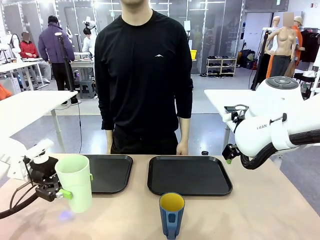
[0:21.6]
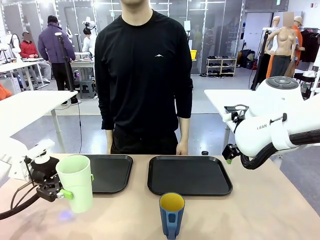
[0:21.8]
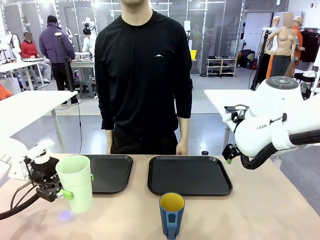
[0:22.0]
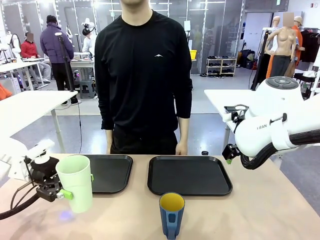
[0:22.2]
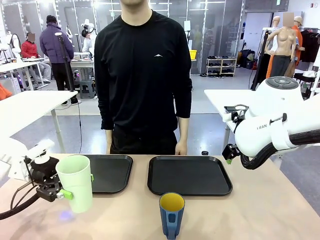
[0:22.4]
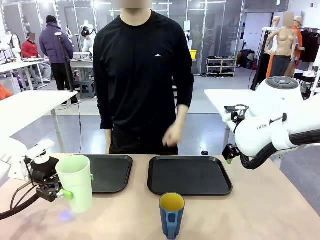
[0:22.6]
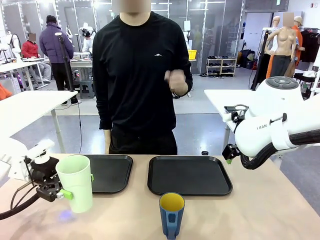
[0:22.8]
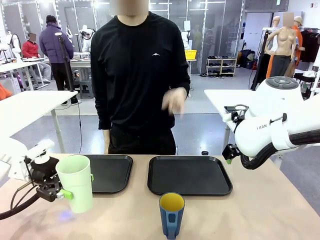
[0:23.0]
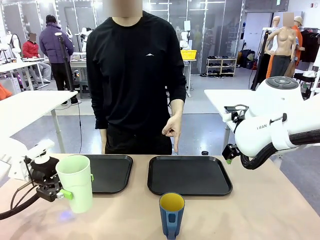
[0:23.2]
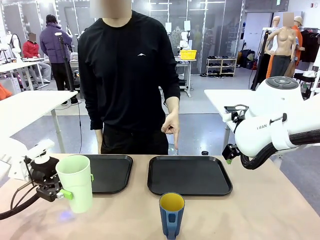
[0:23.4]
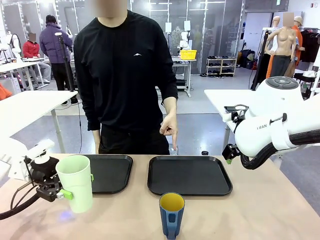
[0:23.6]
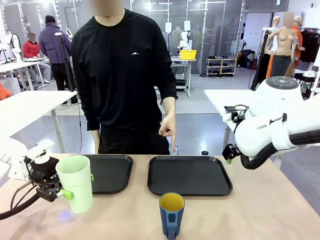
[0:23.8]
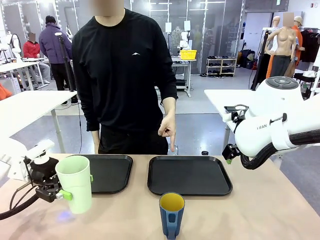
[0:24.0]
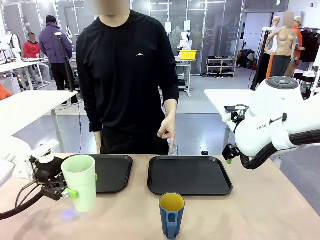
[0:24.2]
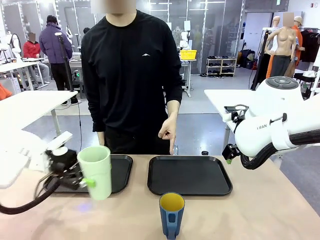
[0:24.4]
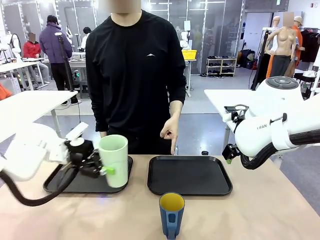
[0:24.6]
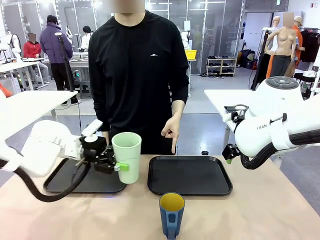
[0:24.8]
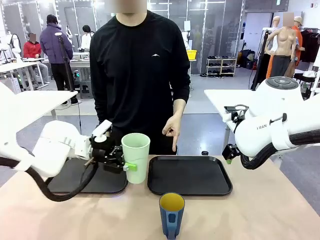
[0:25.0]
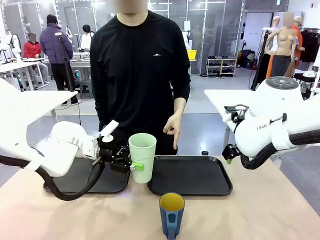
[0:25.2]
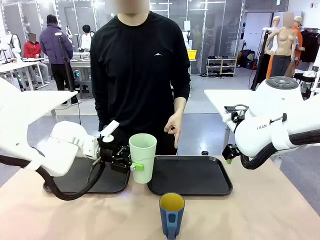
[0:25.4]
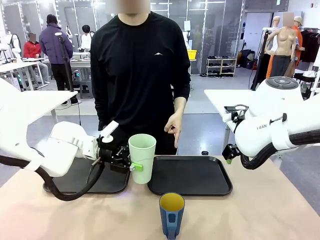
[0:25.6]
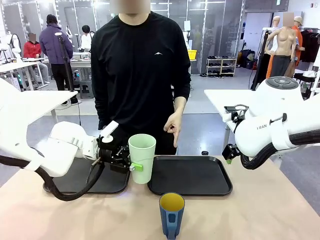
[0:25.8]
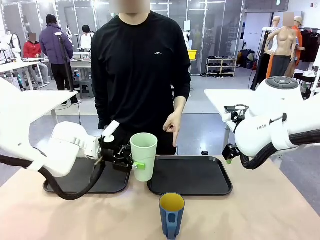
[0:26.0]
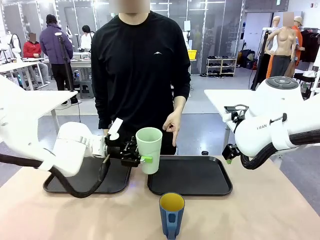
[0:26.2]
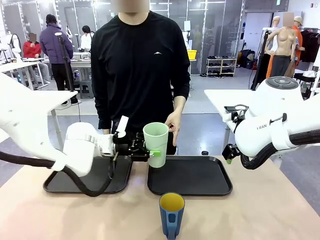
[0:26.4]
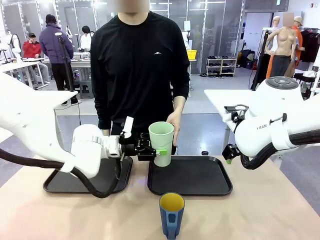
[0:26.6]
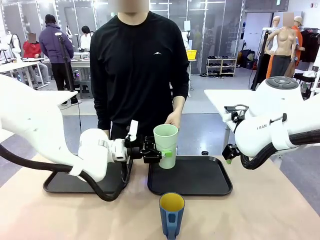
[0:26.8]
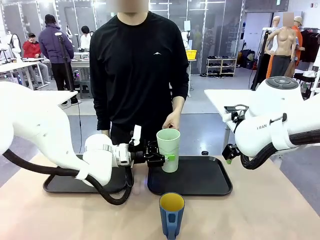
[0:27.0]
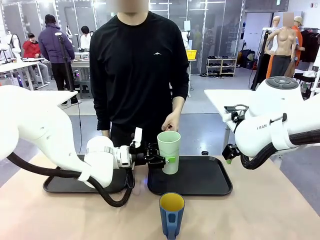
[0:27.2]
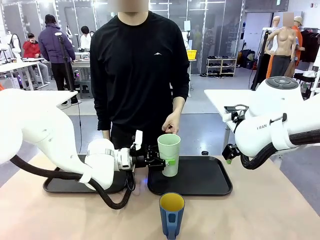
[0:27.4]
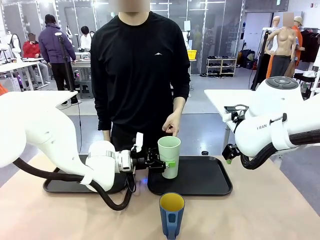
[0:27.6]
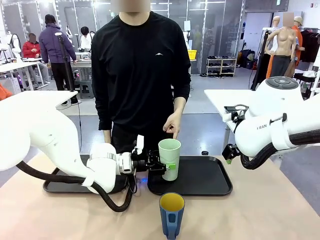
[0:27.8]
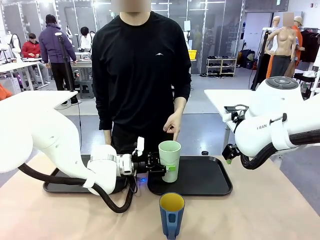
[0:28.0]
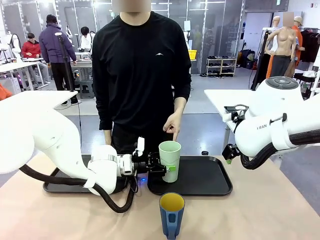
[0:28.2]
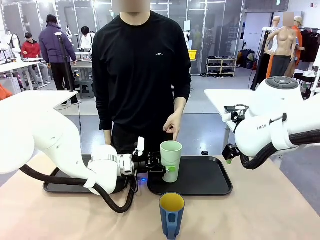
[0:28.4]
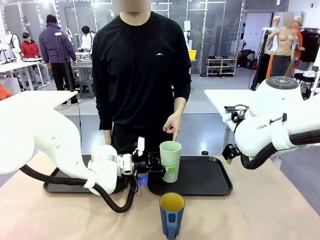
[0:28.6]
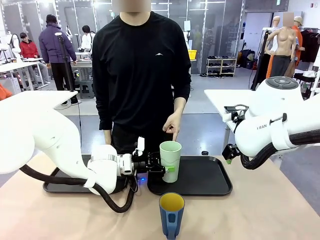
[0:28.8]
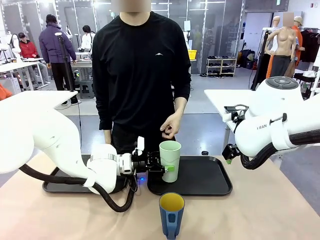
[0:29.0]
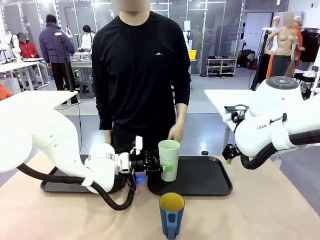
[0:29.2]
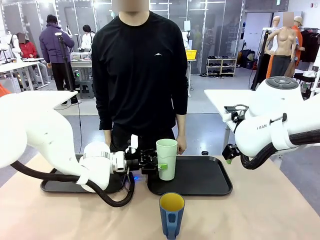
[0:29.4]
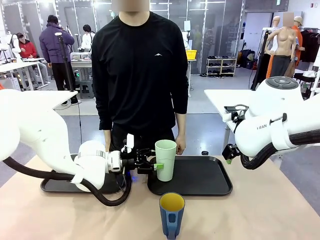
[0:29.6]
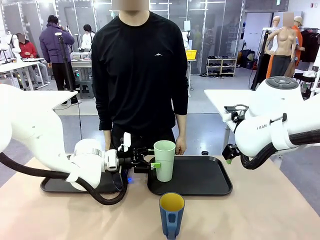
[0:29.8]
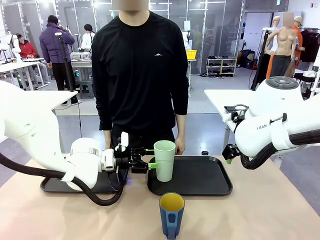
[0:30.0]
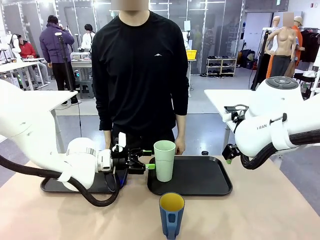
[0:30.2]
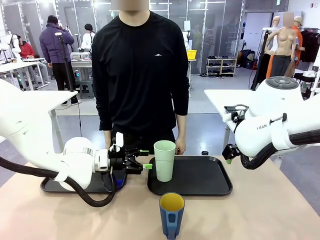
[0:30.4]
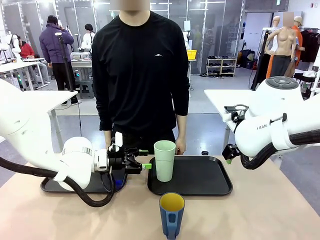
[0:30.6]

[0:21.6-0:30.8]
Task: Sort and store the cups by type.
Robot: Place the picked Reusable plastic cup into the Flat Tray indicated by the person.

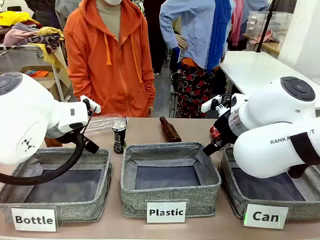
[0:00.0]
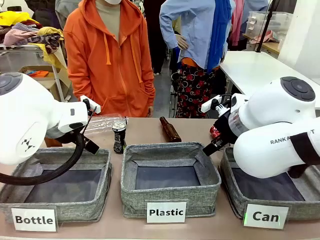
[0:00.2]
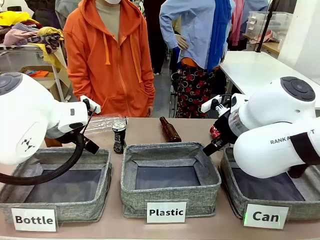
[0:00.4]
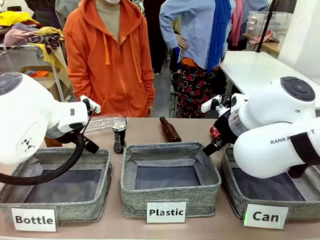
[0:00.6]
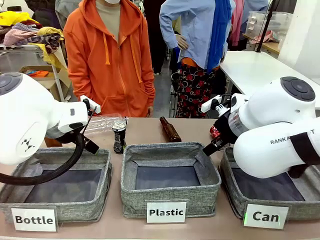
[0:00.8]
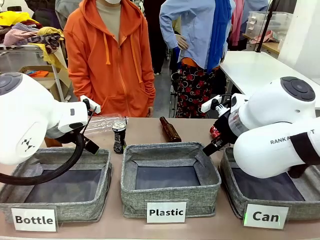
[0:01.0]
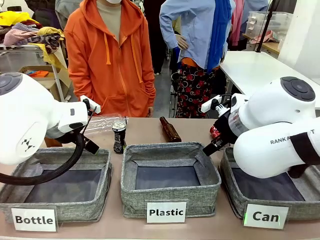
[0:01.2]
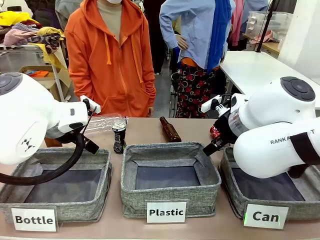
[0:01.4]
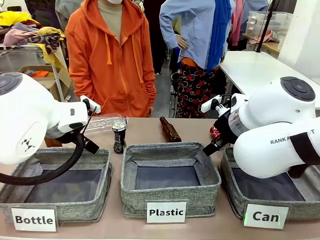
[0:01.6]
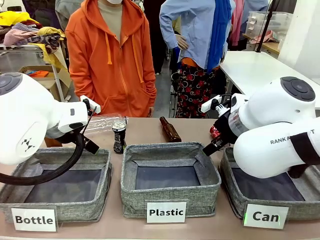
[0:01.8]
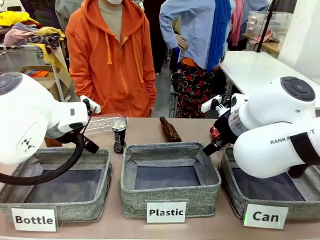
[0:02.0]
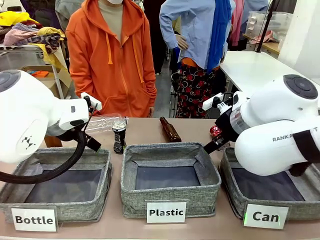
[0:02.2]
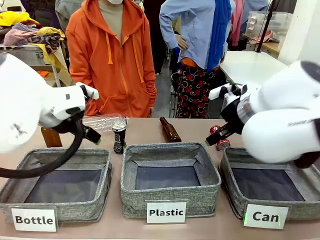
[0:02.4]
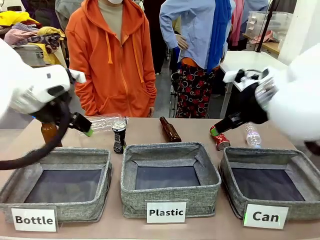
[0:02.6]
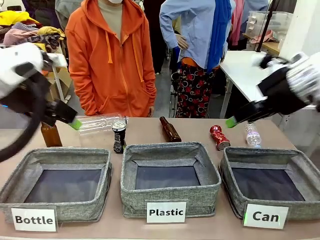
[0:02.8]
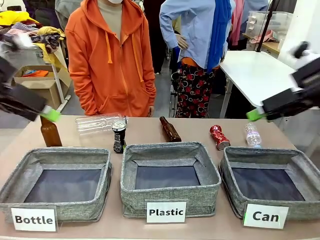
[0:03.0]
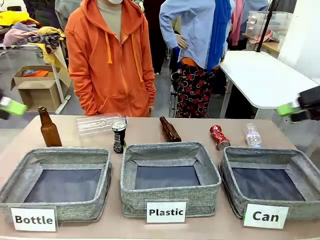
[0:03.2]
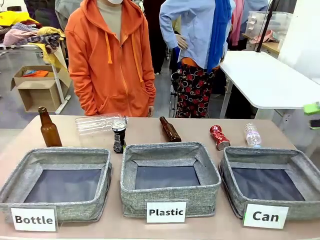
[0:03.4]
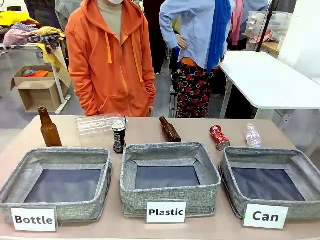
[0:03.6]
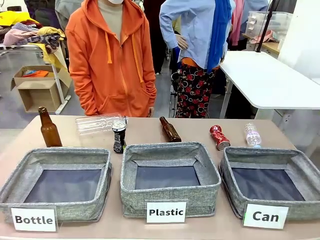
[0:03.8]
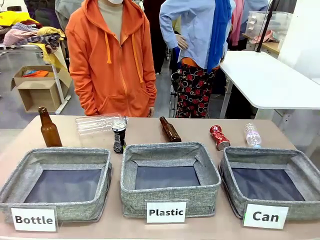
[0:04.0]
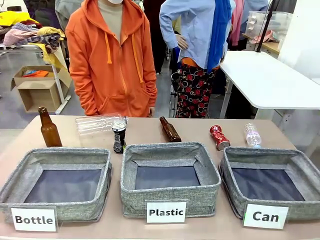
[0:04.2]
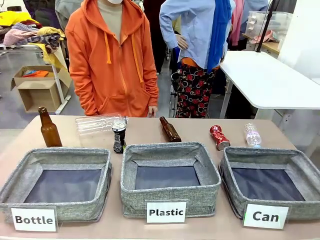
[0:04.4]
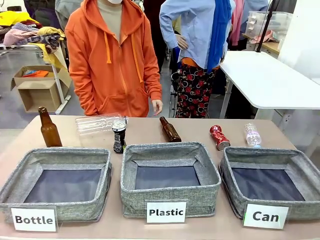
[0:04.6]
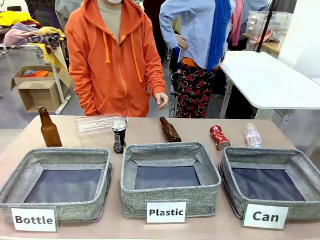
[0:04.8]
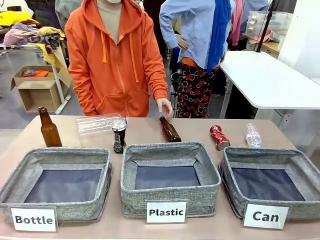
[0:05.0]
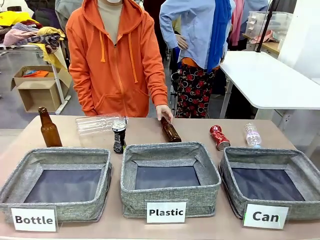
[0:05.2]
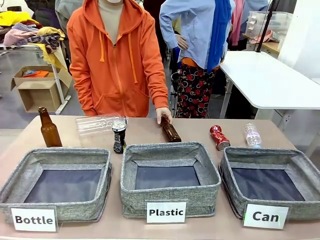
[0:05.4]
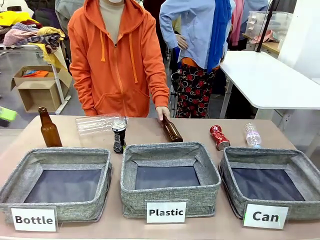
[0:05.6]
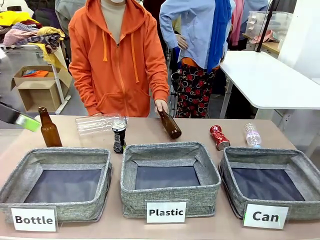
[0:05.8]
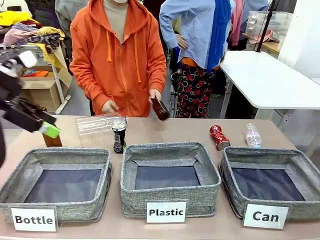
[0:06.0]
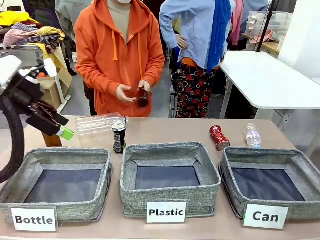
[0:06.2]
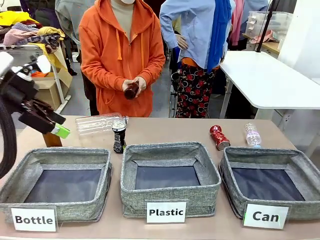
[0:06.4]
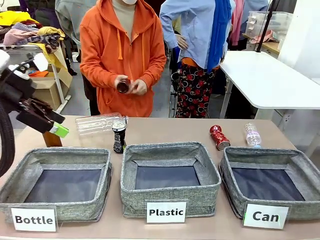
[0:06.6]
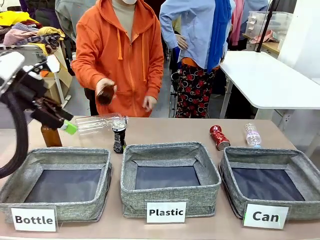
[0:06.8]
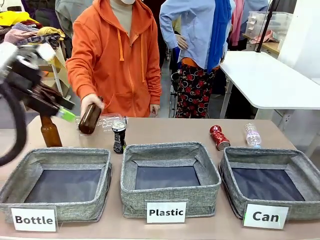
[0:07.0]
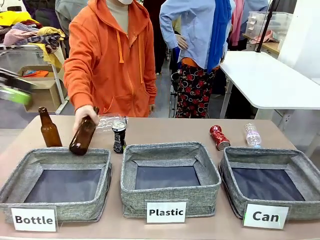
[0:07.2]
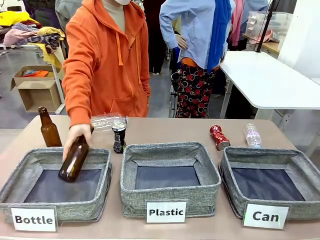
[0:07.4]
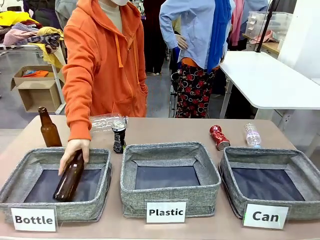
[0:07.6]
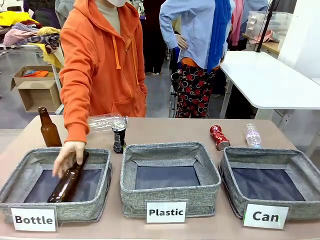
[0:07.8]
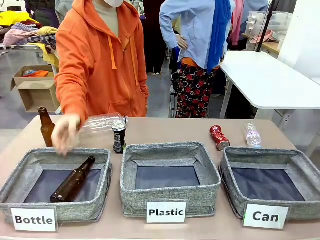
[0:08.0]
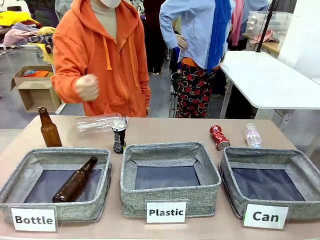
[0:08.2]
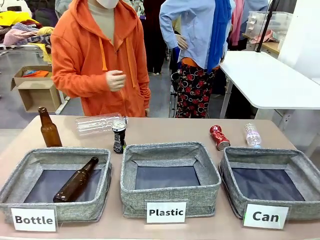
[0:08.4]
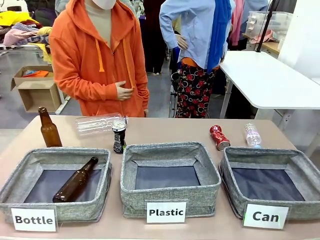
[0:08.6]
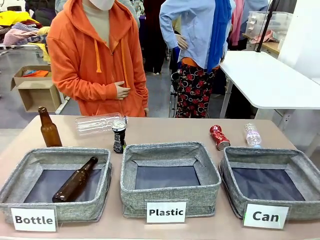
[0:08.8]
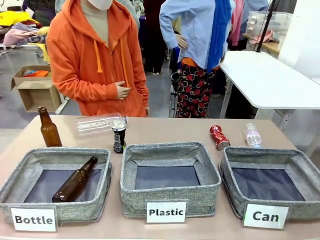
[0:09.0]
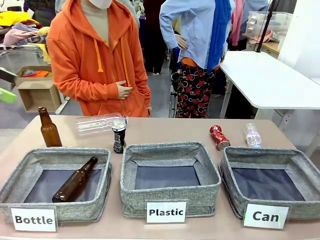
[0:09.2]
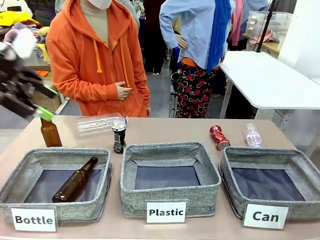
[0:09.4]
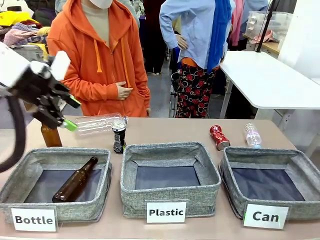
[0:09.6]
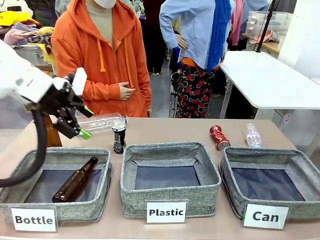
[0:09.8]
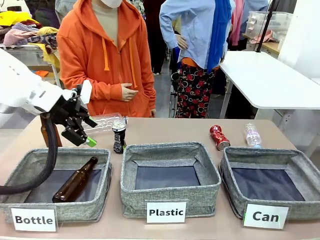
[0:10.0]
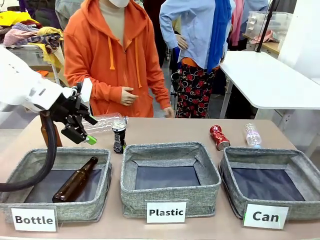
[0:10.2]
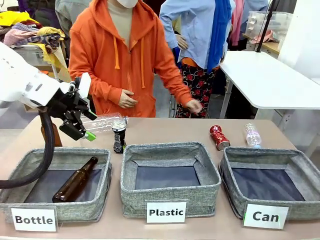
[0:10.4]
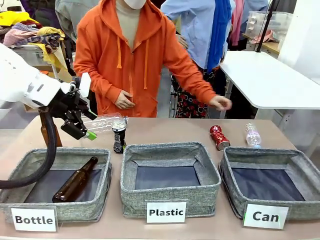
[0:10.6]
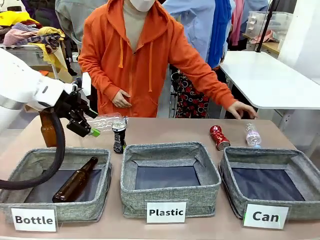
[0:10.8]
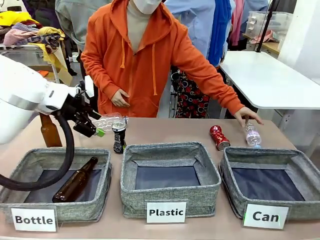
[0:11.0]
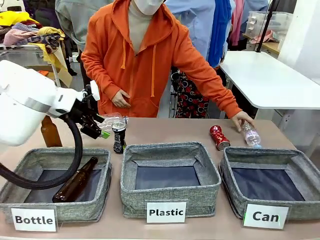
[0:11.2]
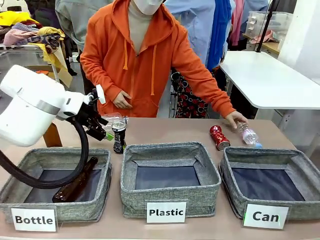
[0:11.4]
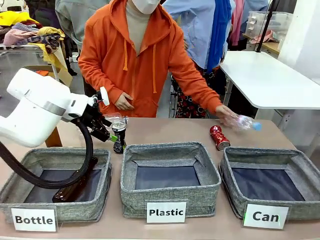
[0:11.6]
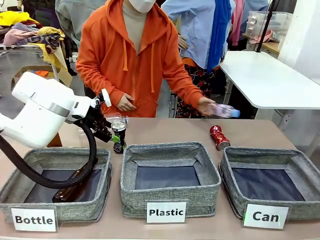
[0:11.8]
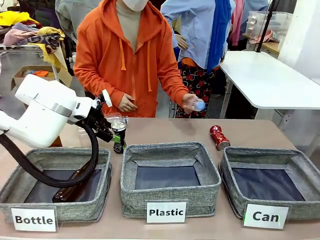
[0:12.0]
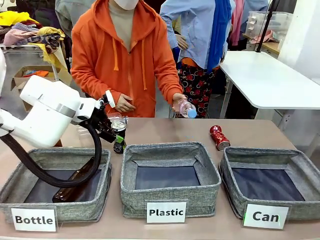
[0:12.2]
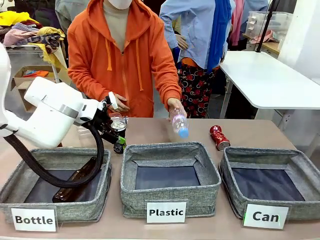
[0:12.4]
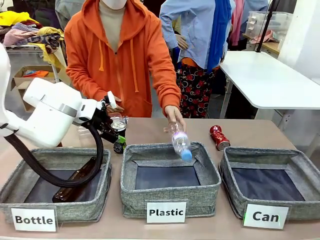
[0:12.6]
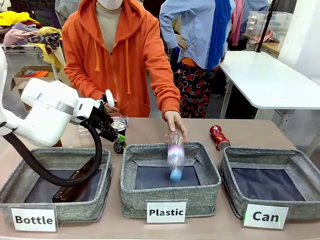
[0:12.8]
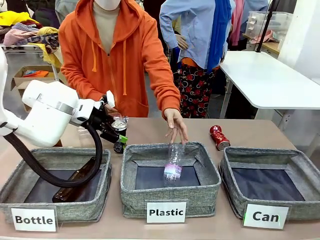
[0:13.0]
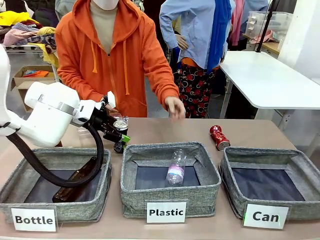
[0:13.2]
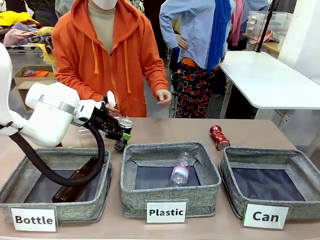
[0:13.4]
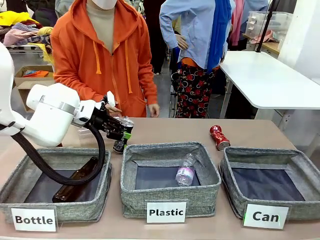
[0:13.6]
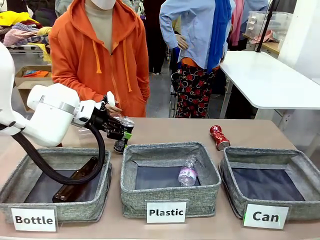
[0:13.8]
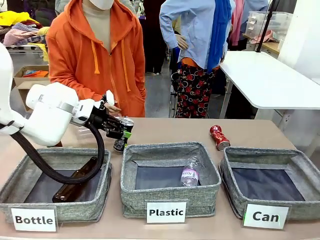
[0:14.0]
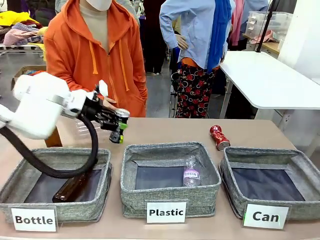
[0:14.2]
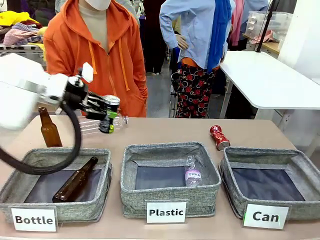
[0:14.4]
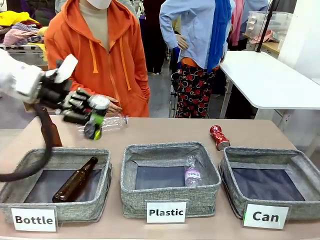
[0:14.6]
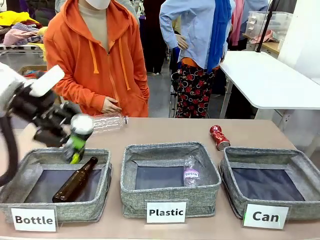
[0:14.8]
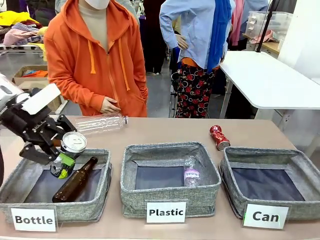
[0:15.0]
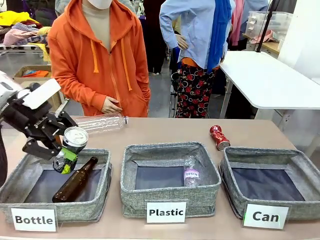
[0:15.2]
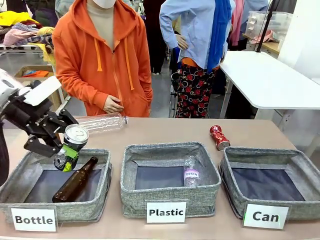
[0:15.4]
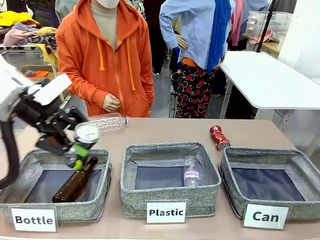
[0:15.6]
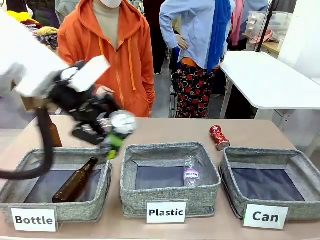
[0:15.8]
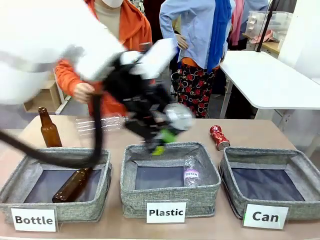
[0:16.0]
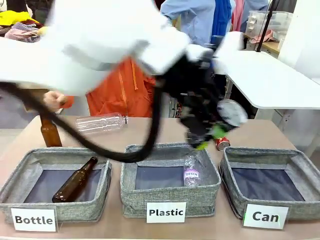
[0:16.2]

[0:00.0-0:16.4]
Task: Sort the can waste into the basket.
Robot: Pick up the can waste from the table and place it in the right Fabric basket.
